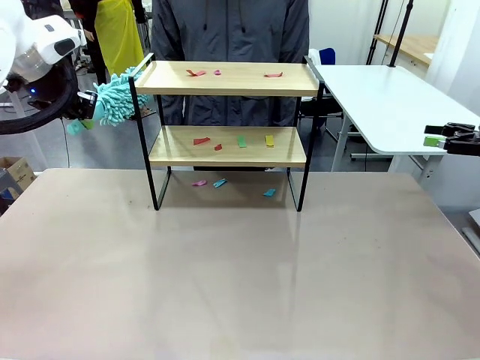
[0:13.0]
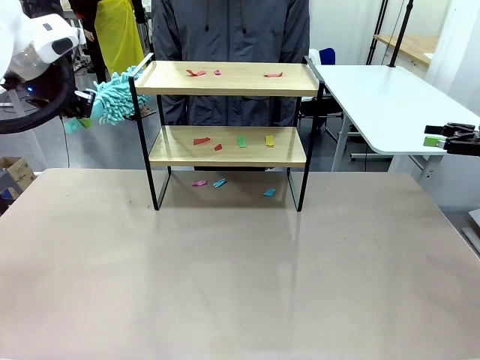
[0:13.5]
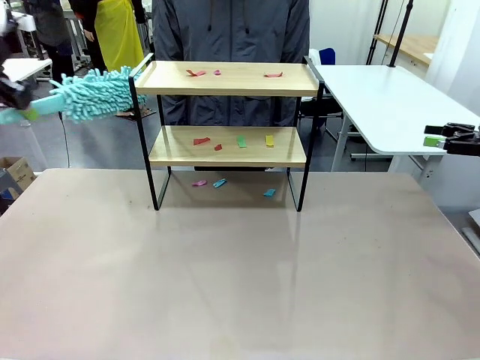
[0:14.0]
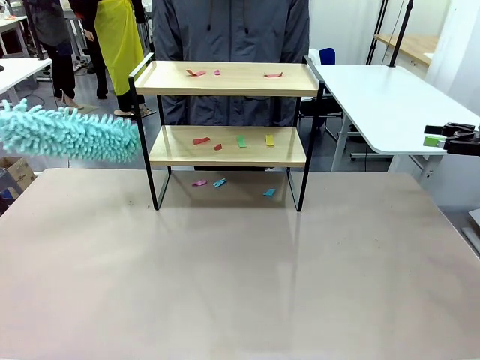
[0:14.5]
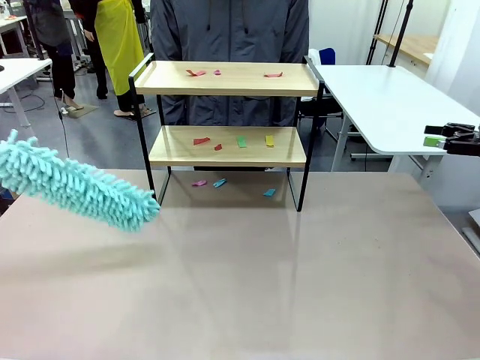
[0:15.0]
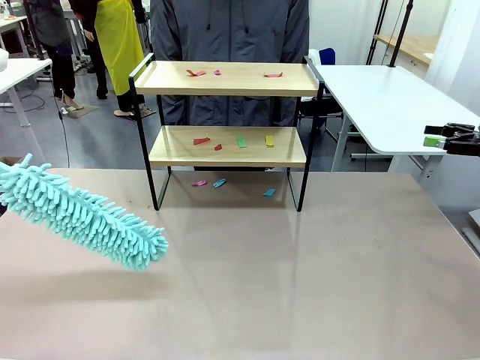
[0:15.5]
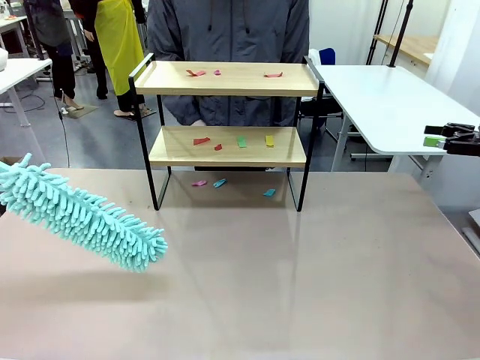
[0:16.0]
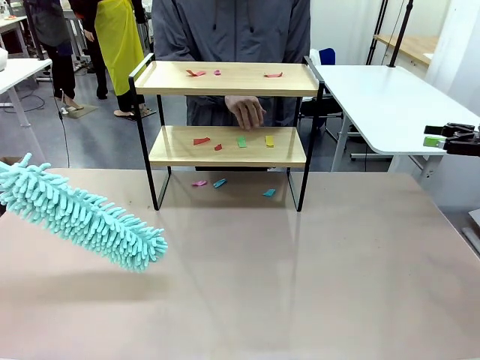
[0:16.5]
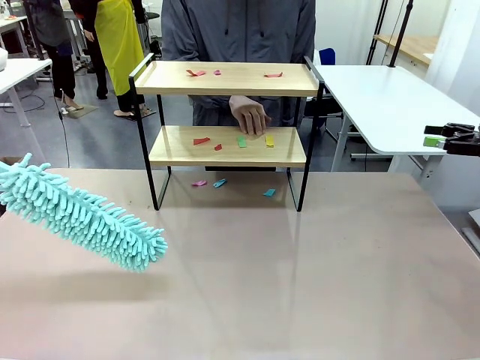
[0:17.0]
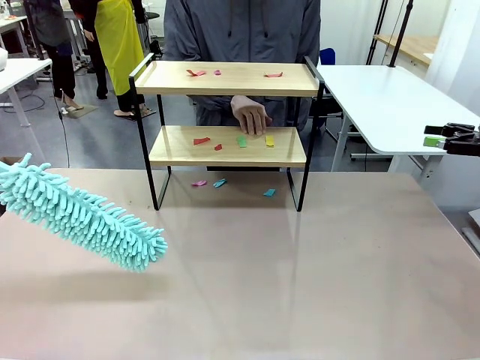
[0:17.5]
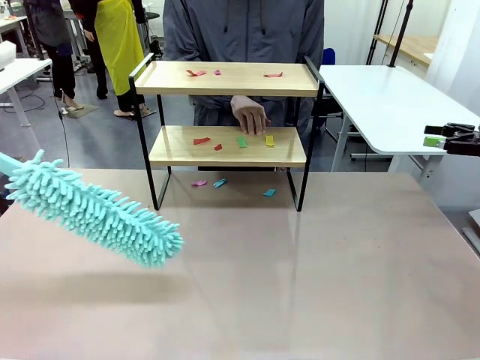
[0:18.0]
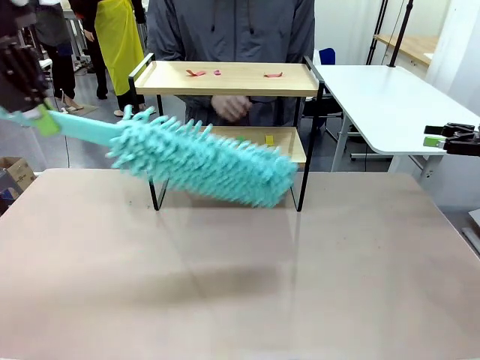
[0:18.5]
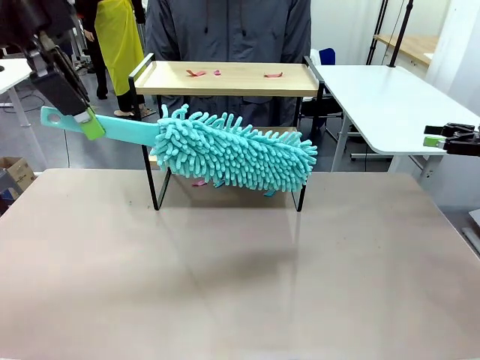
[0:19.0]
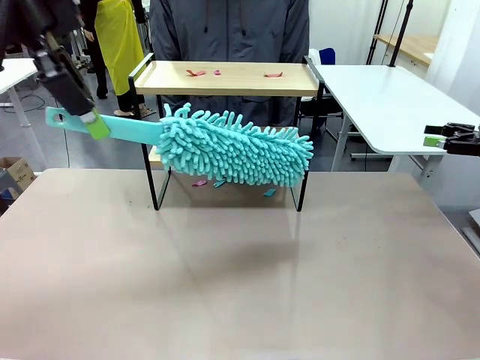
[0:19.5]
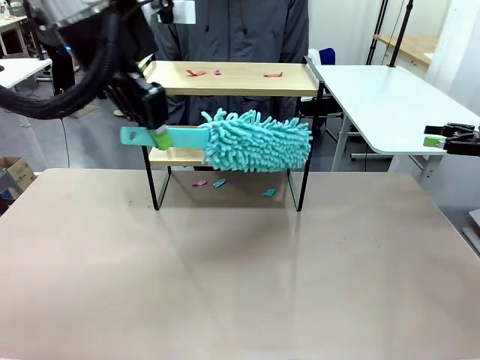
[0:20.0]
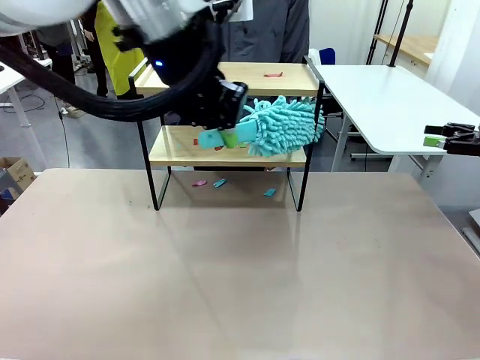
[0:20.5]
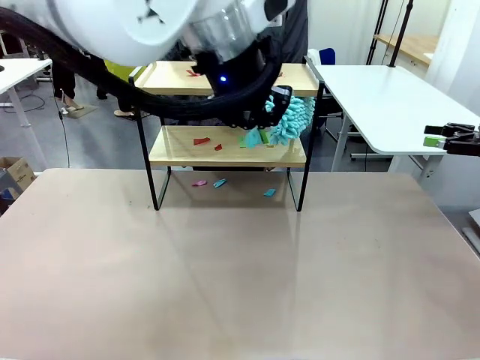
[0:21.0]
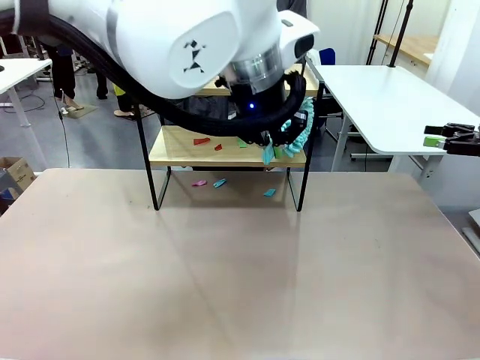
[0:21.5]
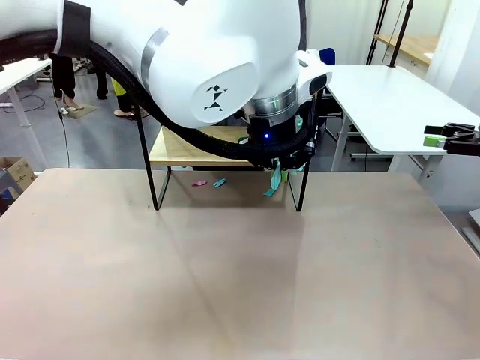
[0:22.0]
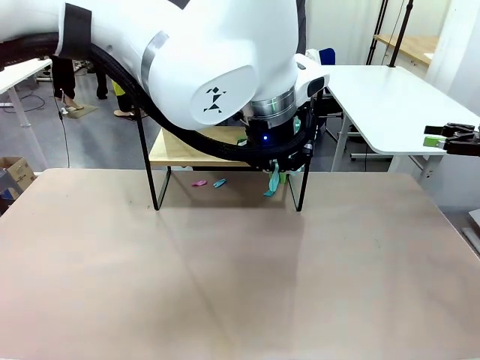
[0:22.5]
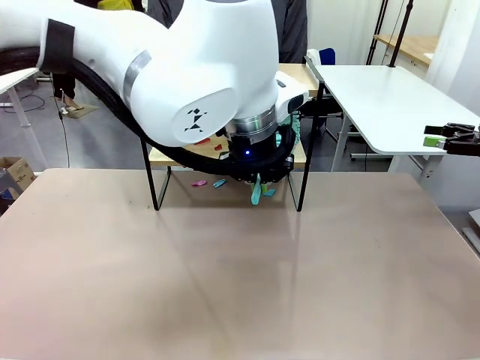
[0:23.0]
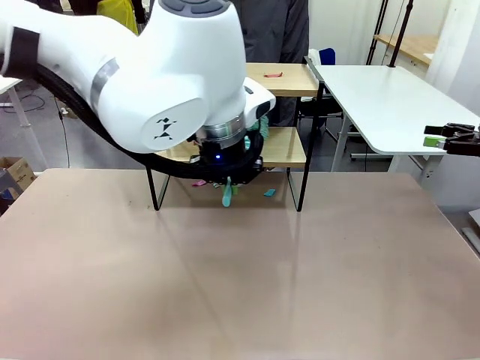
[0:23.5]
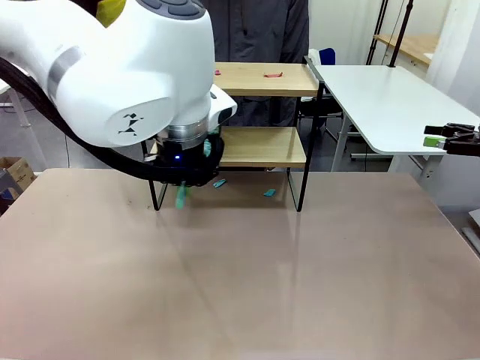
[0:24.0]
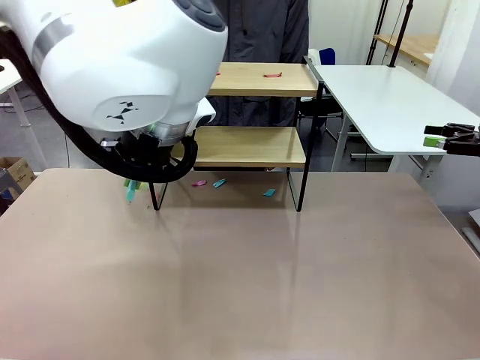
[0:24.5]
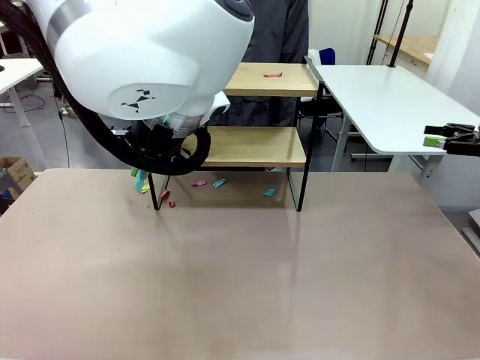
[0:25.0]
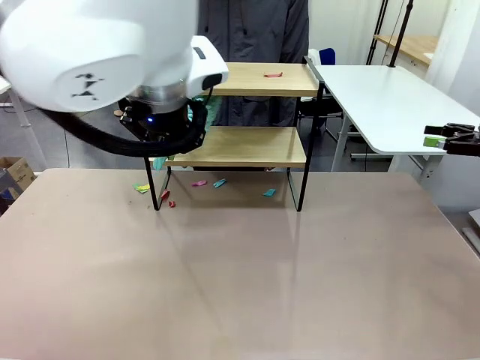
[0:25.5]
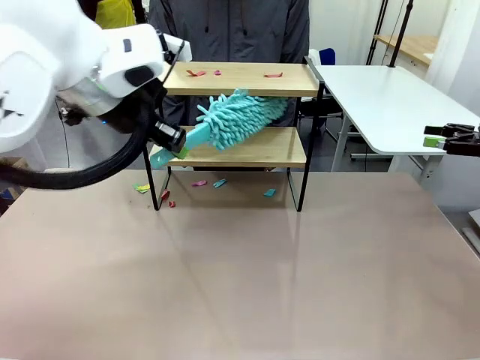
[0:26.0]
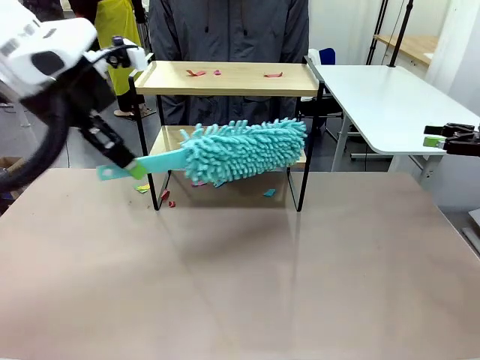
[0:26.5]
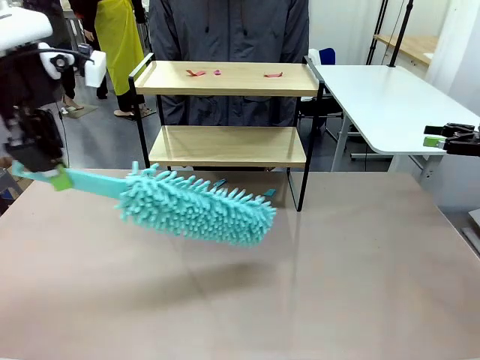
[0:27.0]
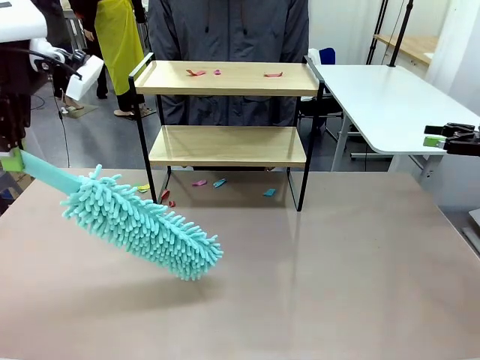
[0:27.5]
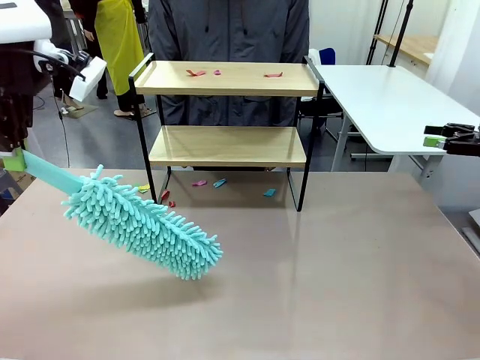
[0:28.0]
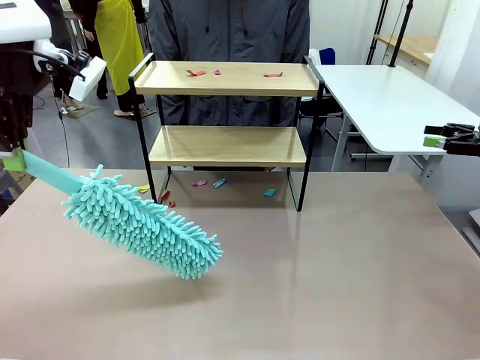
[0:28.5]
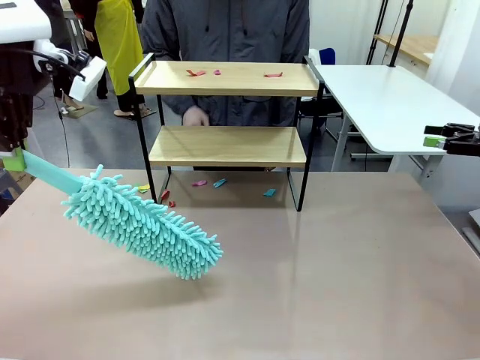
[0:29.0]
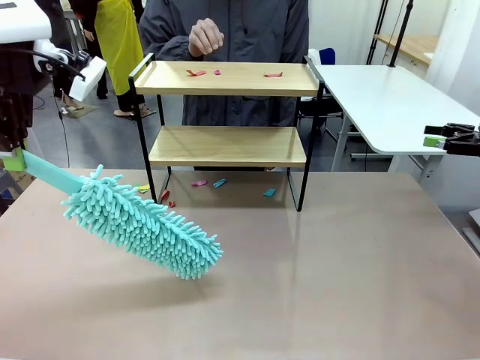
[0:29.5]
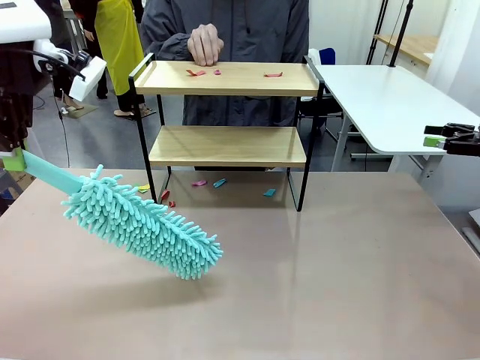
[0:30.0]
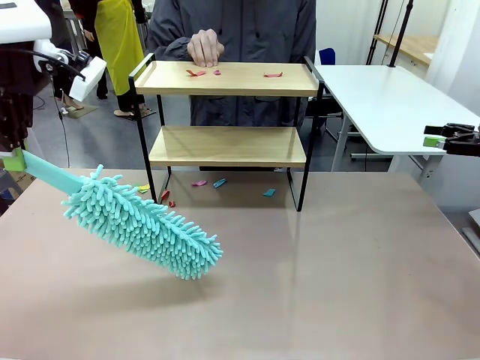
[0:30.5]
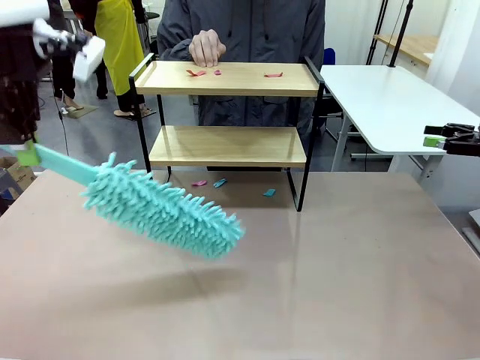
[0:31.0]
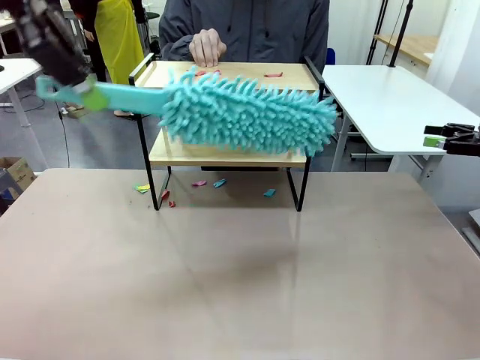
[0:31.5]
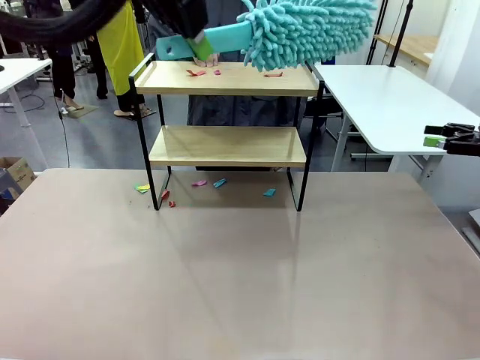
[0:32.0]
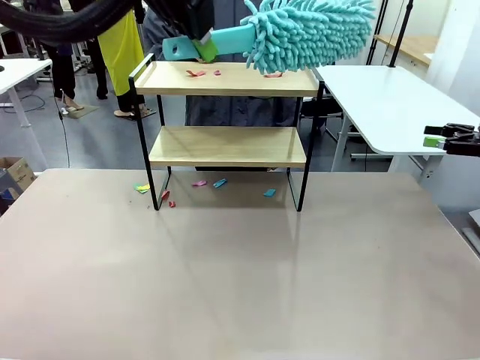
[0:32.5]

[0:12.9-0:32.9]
Task: Clean the shelf.
Robot: Clean the specific section of the Shelf indicated by the human with the Duster.
Person: Point a random section of the Shelf.

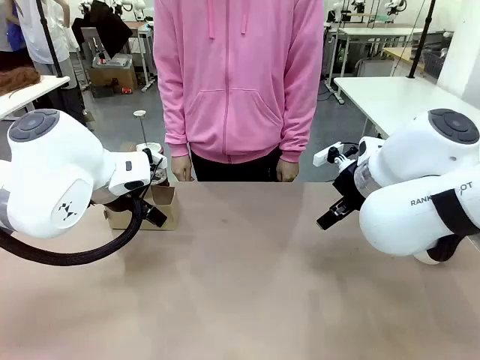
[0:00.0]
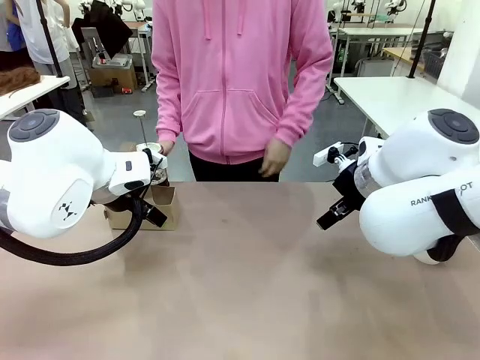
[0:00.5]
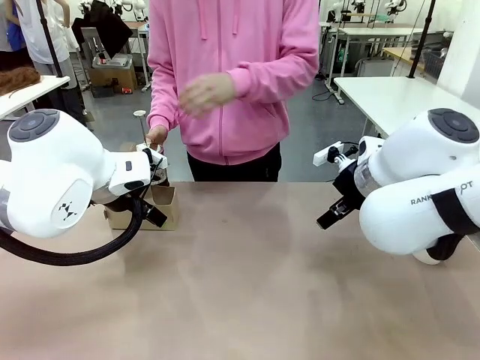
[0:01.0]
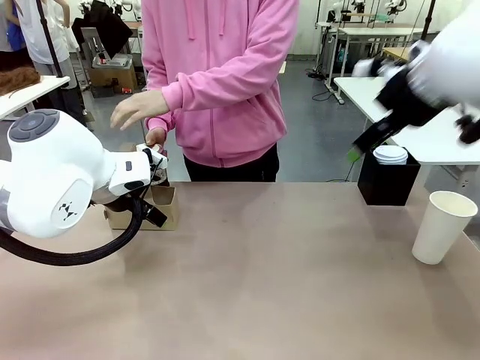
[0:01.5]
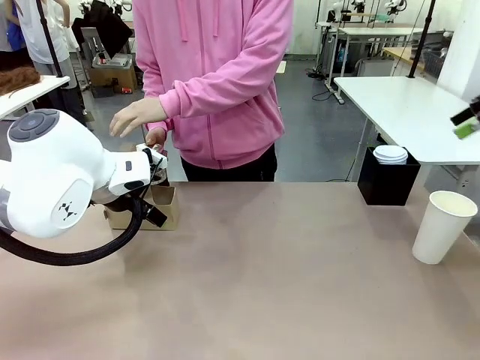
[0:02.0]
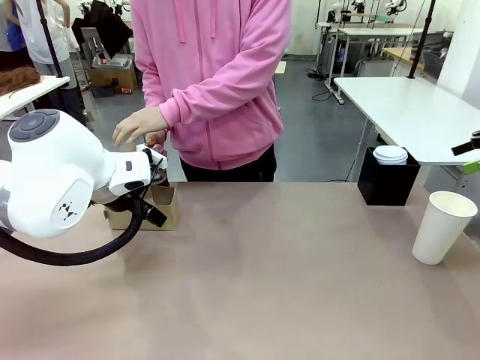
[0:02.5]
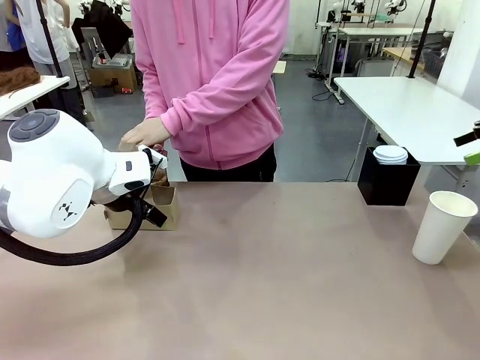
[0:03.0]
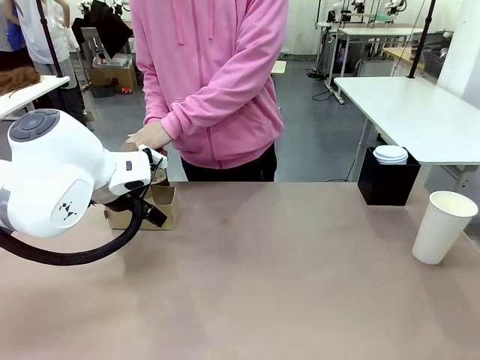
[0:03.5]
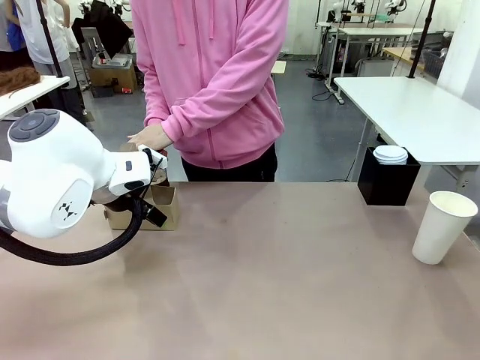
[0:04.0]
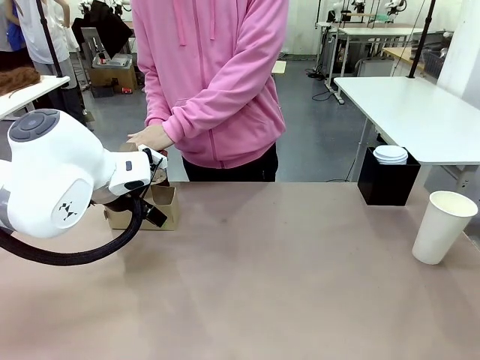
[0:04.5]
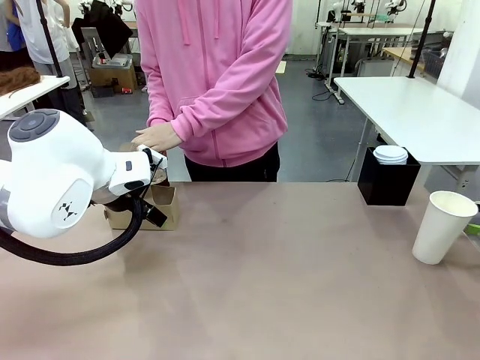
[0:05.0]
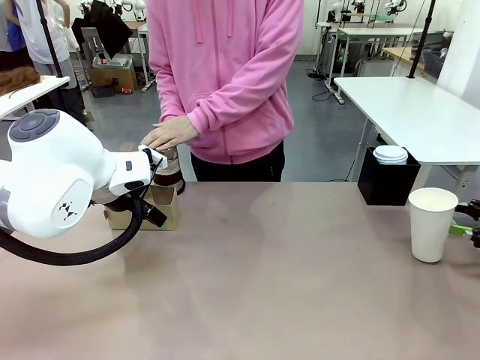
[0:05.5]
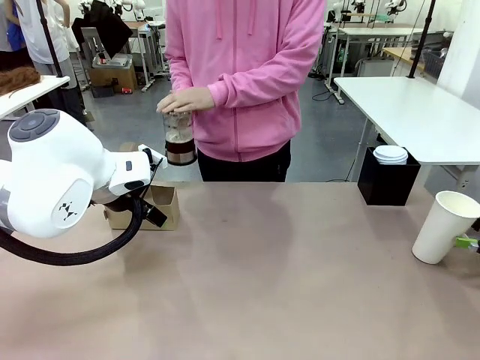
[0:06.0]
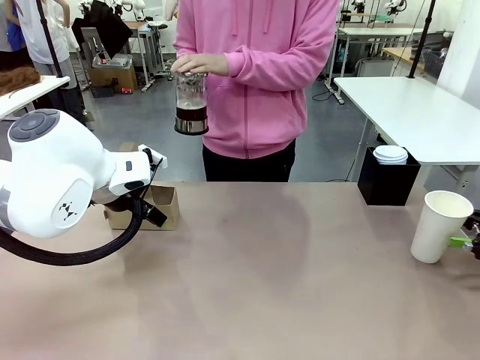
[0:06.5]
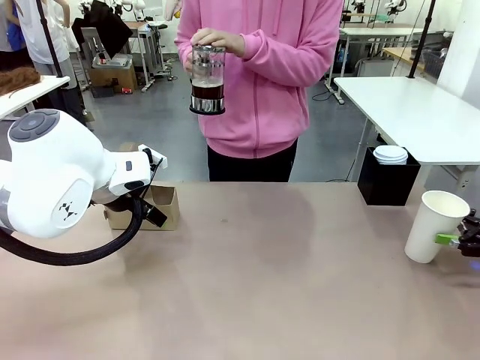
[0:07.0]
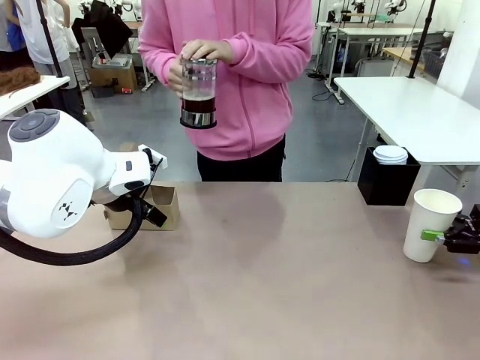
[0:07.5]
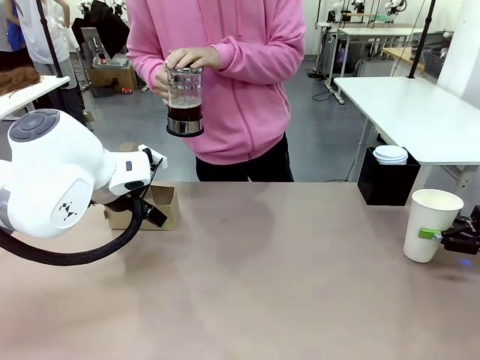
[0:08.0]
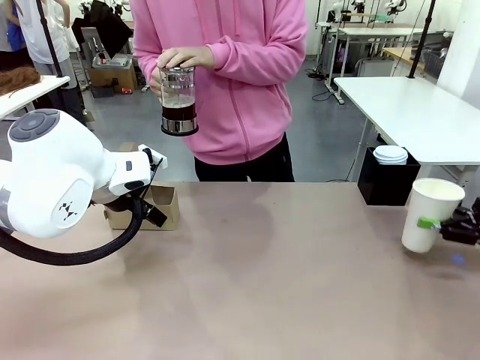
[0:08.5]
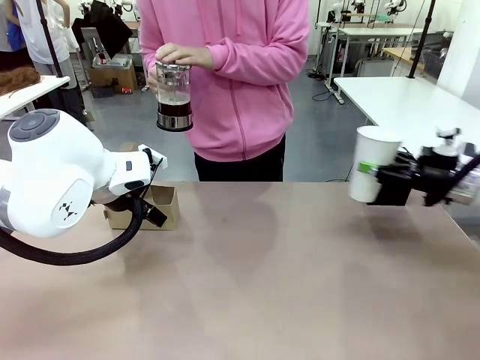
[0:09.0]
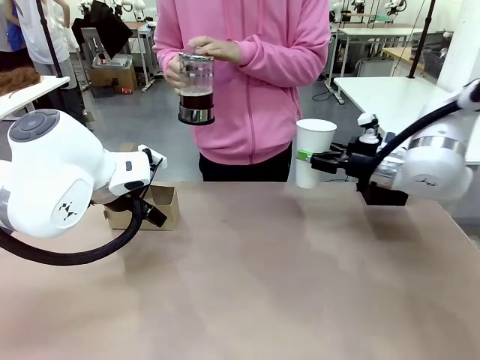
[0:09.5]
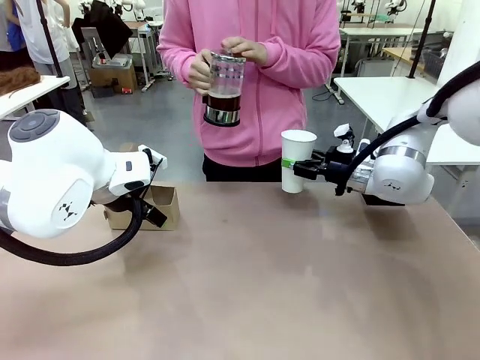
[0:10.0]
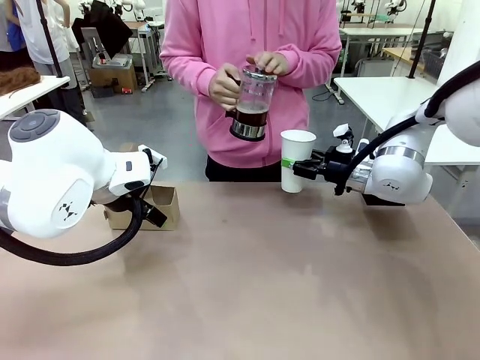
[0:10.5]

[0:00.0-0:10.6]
Task: Pour a drink into a cup and package it in a carrier.
Robot: Pick up the 600 ml Paper Cup and place it in the middle top area of the table.
Person: Press and pick up the Filter Brewing.
